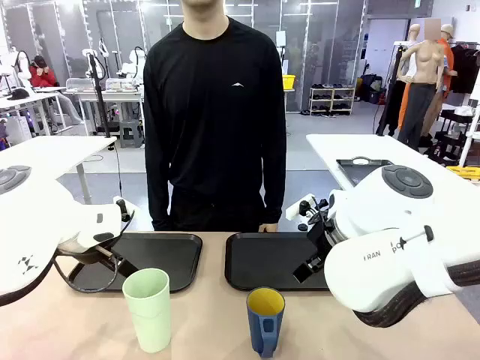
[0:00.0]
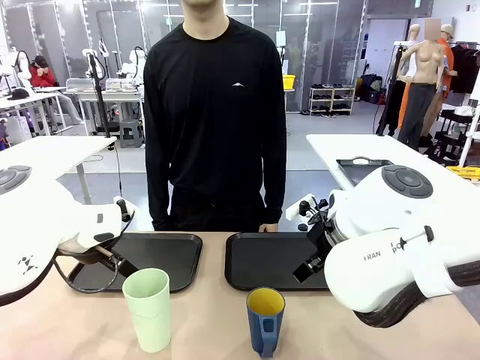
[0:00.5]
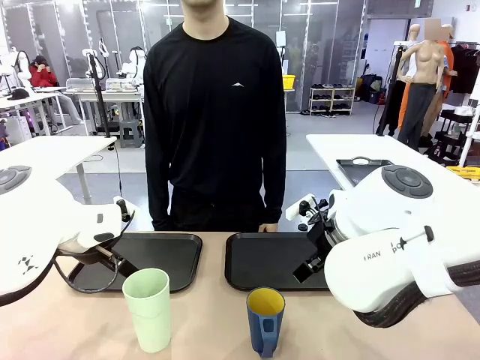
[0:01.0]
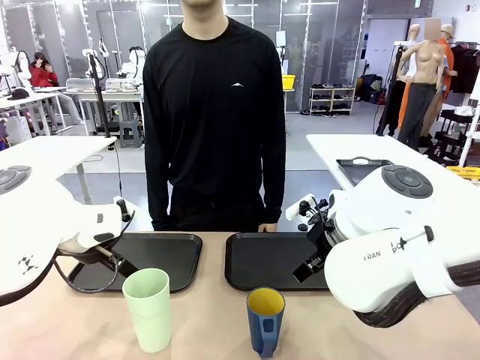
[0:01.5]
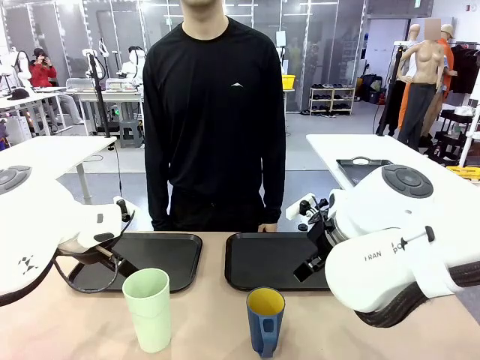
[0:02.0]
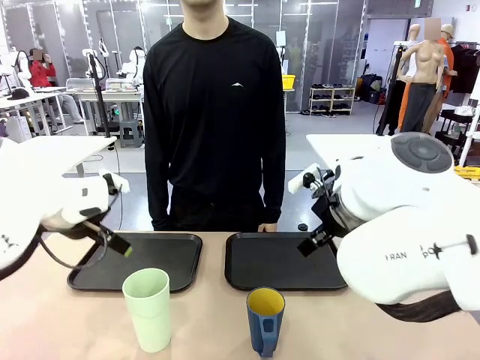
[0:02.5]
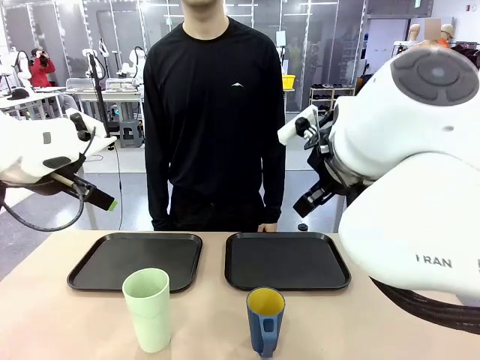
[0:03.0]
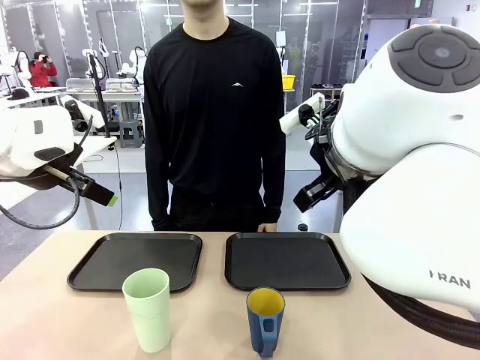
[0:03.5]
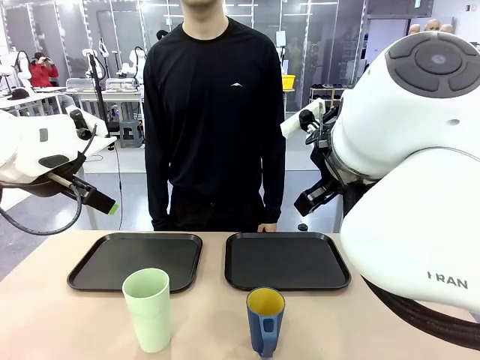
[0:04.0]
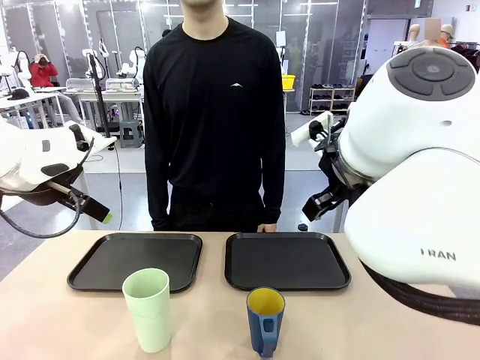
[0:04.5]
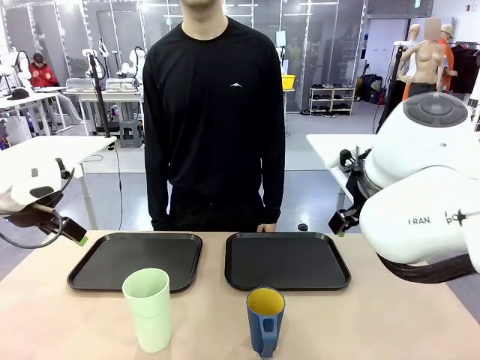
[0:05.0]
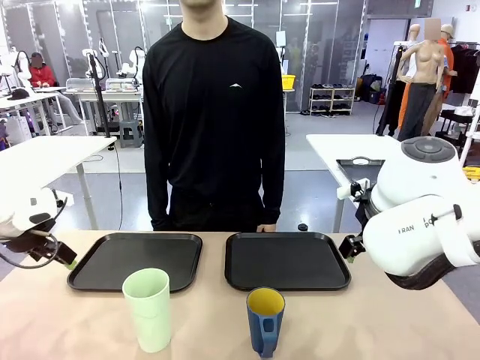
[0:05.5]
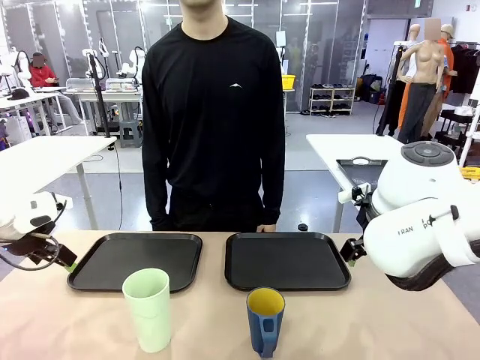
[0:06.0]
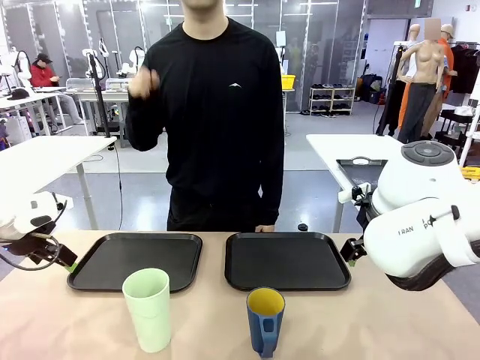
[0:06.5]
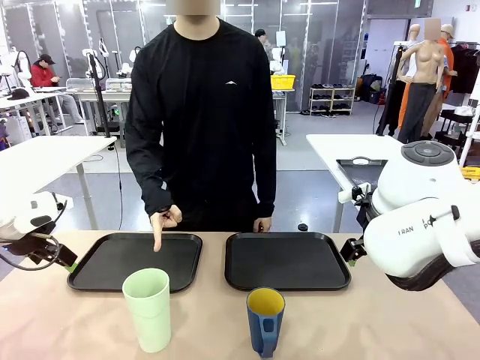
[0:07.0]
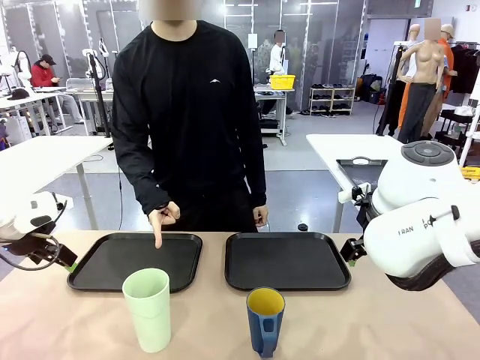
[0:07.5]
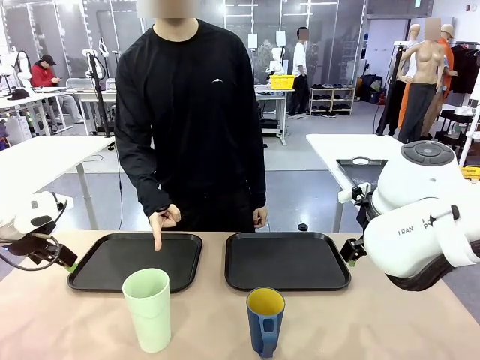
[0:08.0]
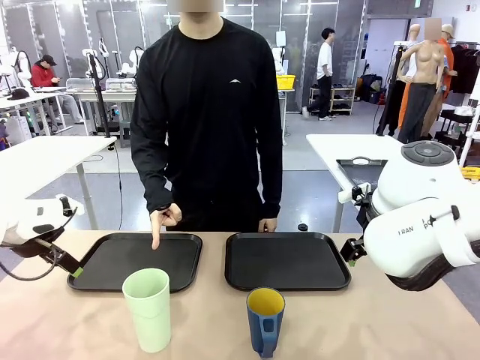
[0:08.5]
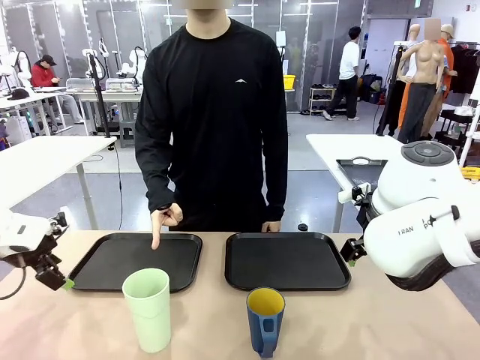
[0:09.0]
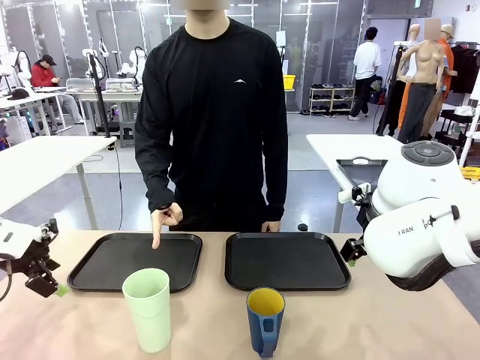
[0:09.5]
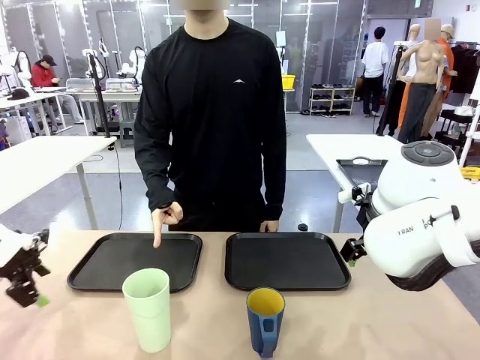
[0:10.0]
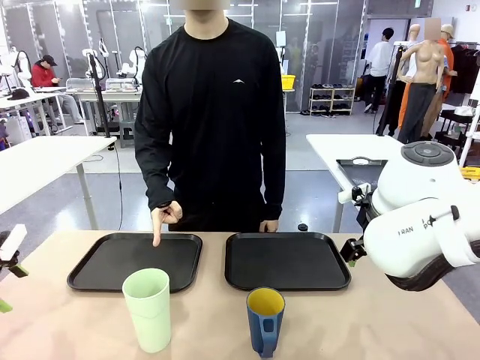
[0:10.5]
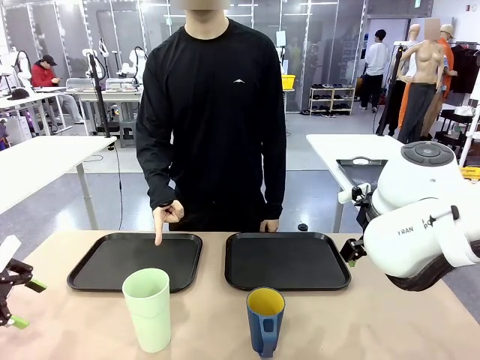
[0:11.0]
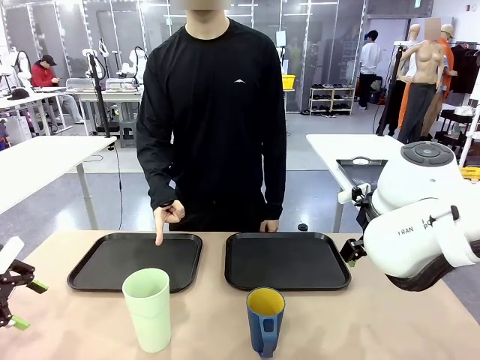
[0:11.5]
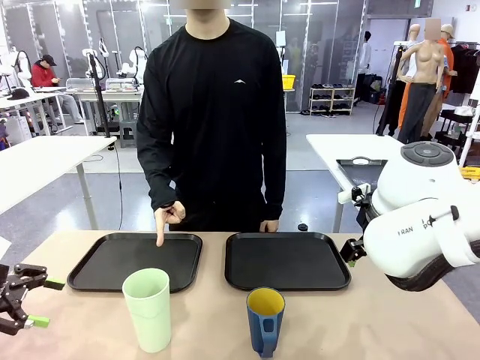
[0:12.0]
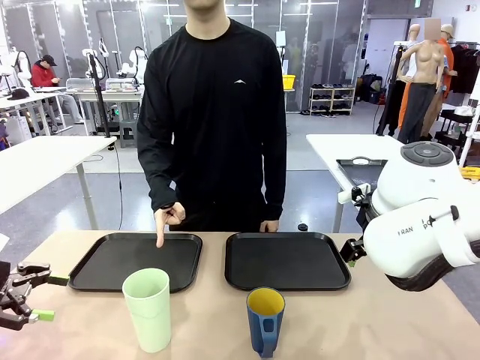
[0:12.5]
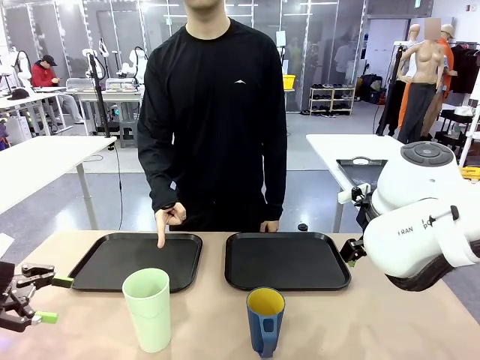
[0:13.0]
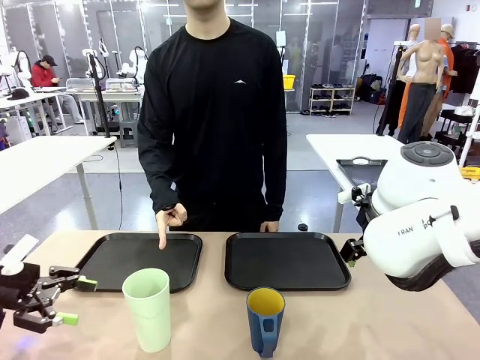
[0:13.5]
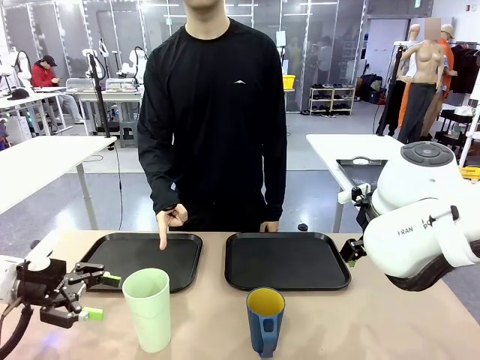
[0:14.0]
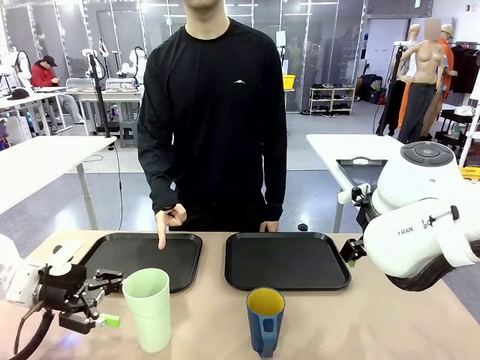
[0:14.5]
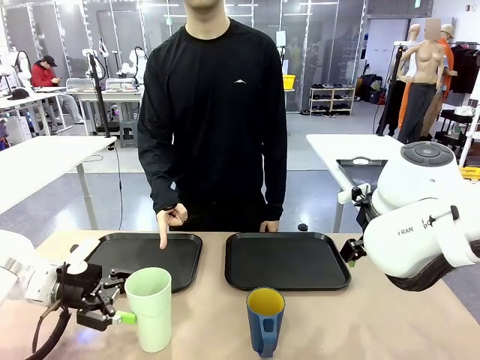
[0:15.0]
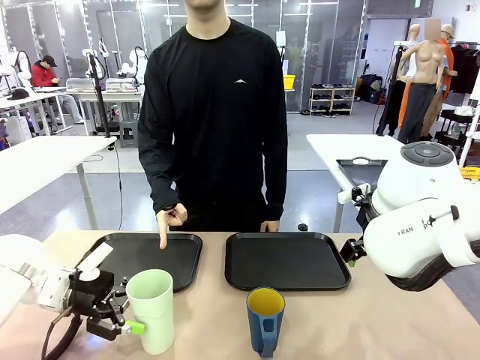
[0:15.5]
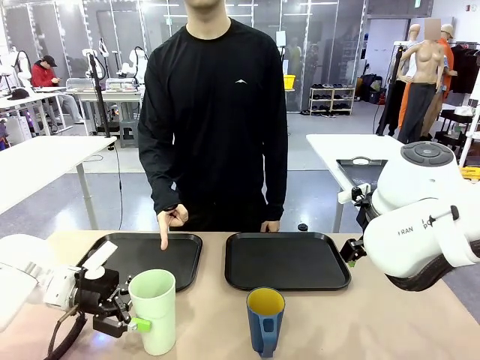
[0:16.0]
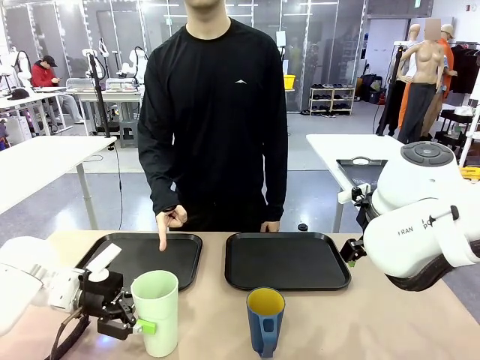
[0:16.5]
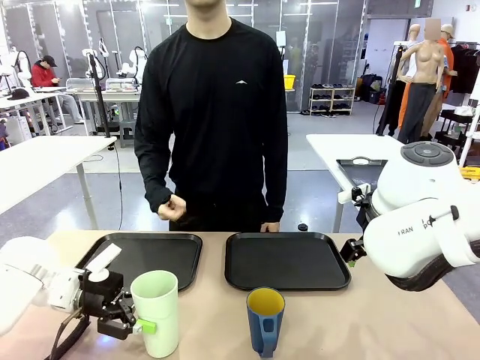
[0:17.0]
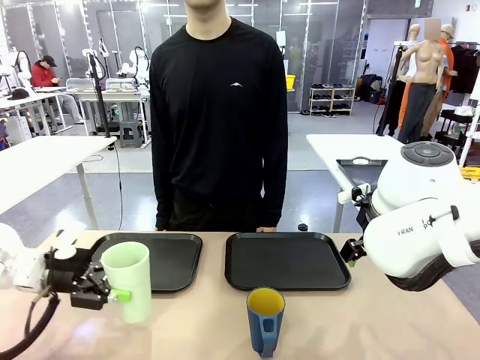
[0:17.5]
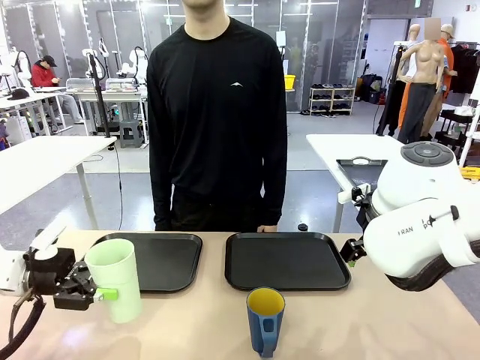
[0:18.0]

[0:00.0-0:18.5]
Task: Sort and store the cups by type.
Robot: Pick up the Reusable plastic cup.
Person: Points to the reusable cup. Point to one of the two trays.

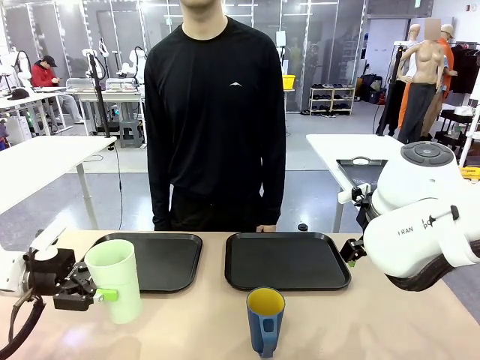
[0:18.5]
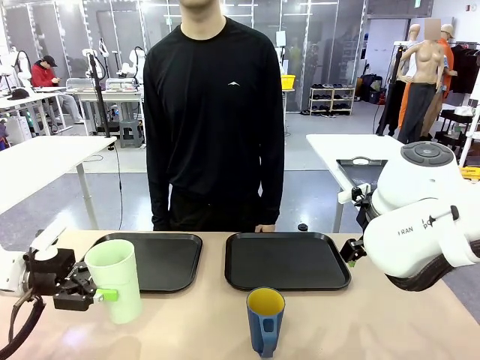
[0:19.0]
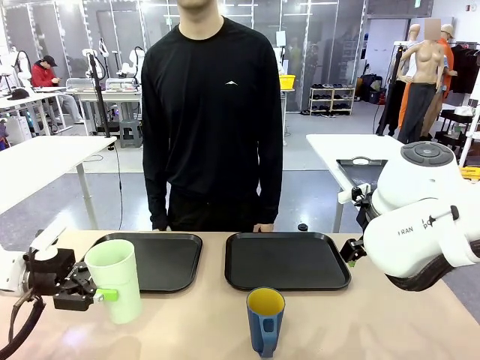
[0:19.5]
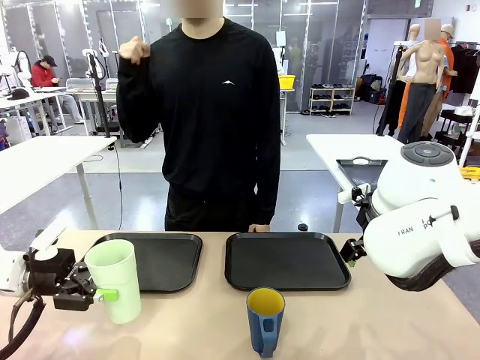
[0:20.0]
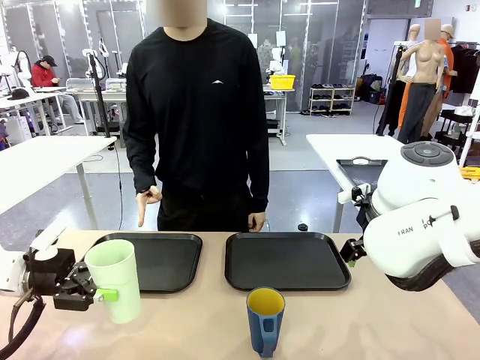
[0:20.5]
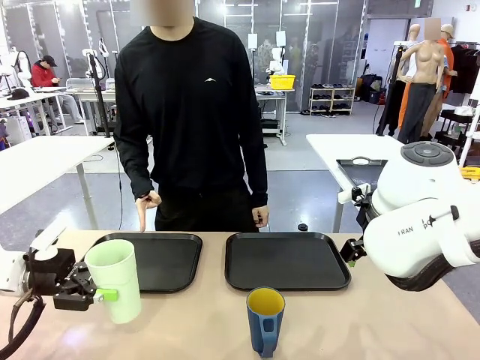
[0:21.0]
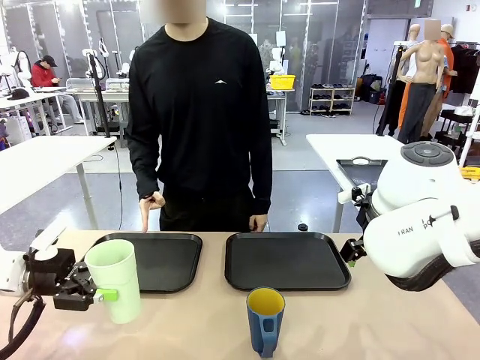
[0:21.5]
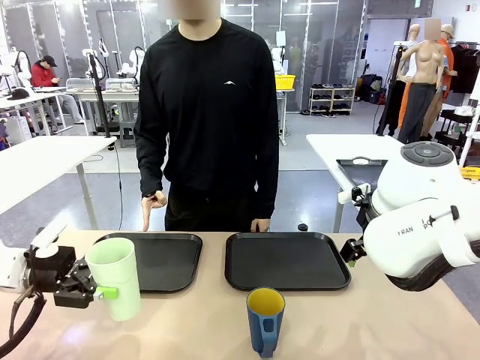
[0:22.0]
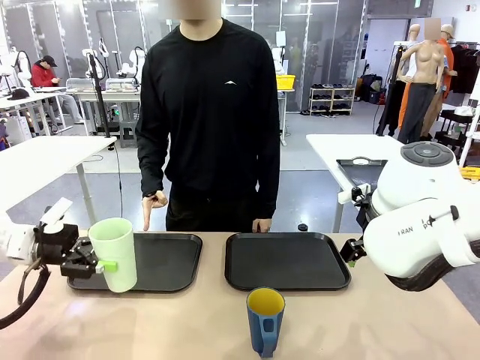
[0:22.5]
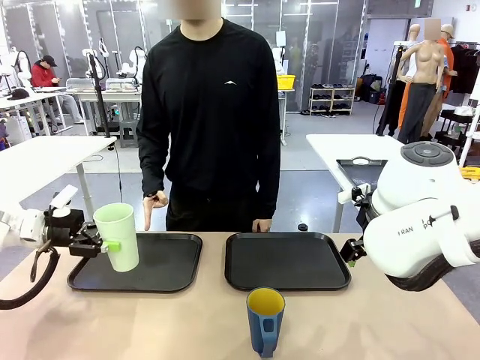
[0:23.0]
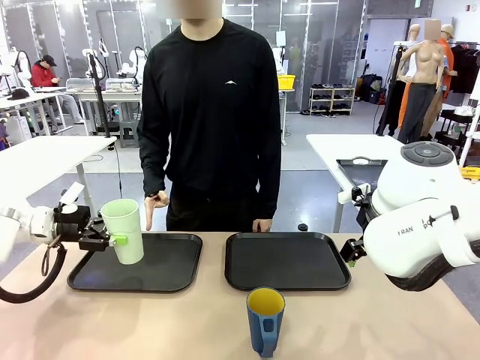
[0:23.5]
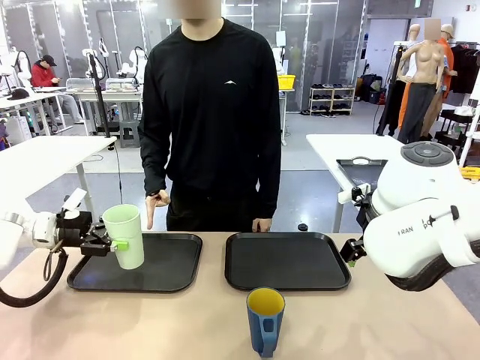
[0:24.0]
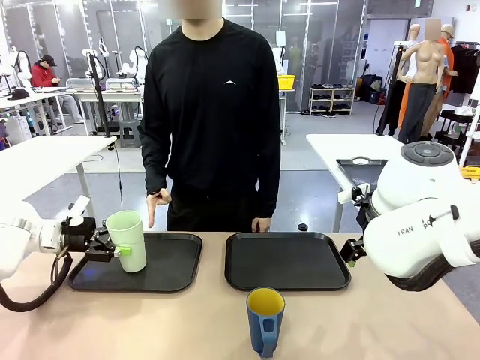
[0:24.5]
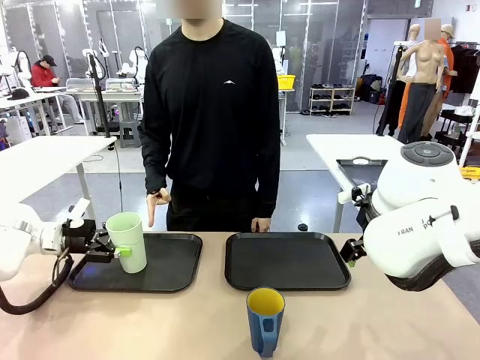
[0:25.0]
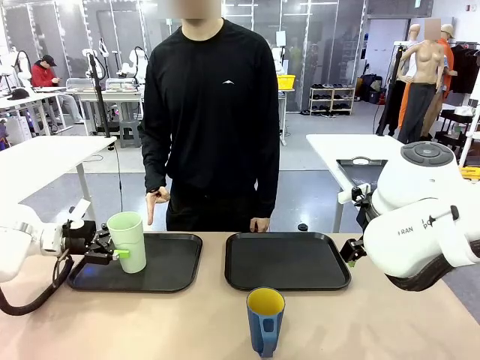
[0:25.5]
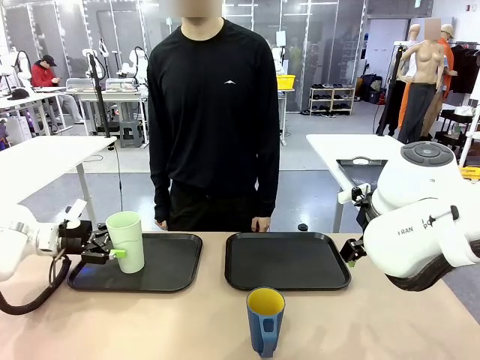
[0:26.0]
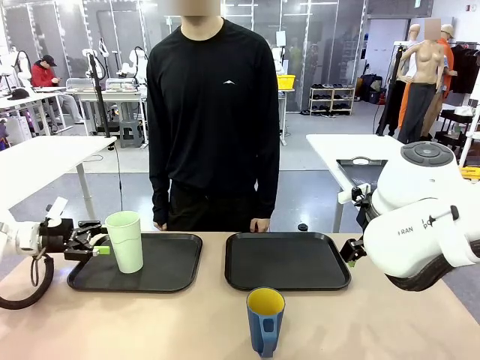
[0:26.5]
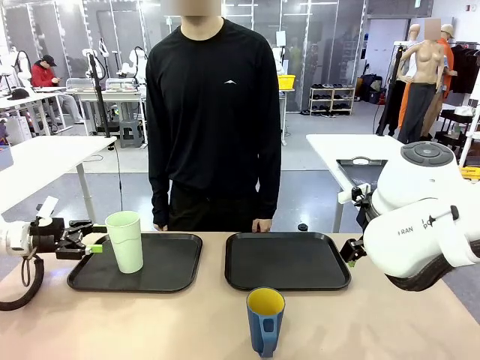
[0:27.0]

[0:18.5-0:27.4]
Robot: Place the picked Reusable plastic cup into the Flat Tray indicated by the person.
